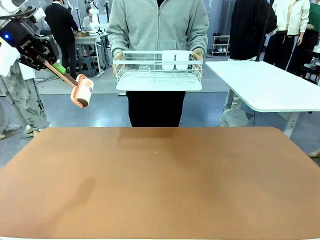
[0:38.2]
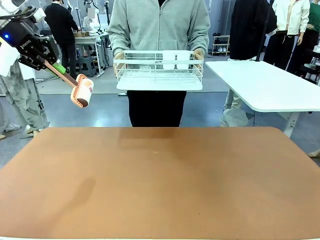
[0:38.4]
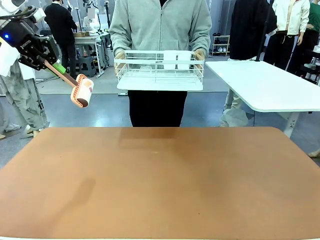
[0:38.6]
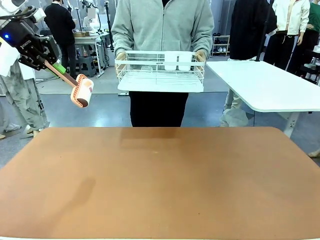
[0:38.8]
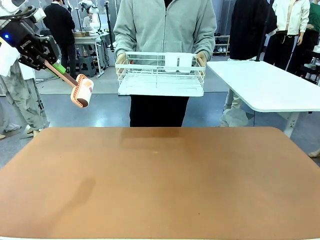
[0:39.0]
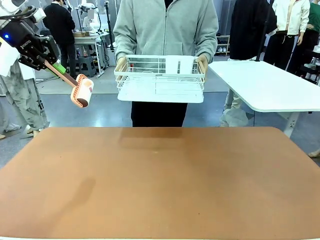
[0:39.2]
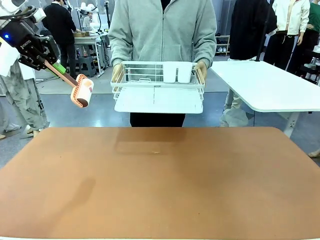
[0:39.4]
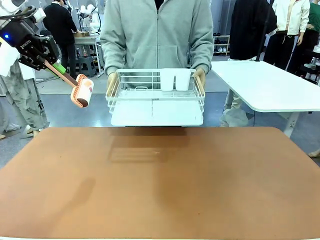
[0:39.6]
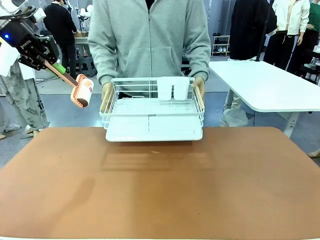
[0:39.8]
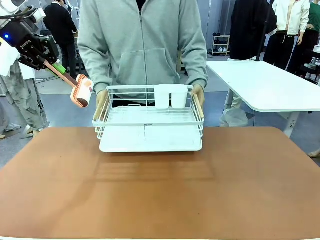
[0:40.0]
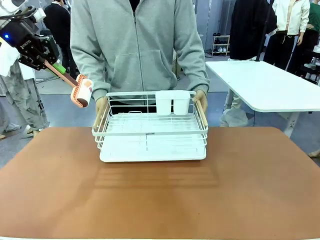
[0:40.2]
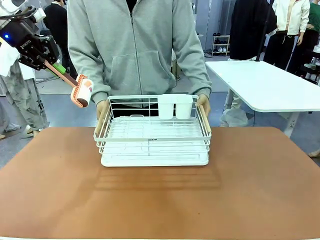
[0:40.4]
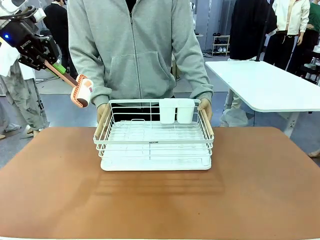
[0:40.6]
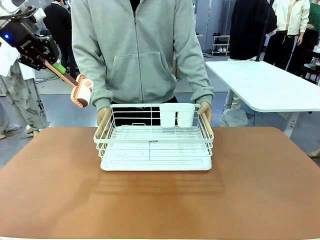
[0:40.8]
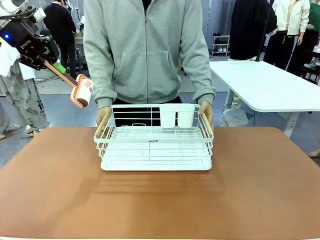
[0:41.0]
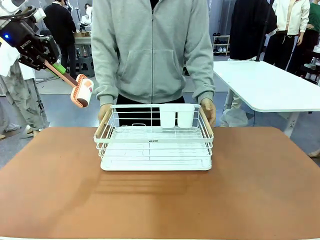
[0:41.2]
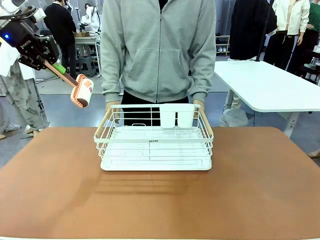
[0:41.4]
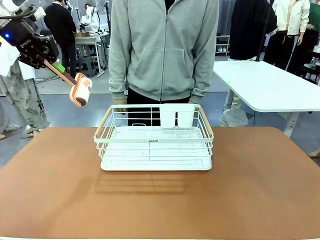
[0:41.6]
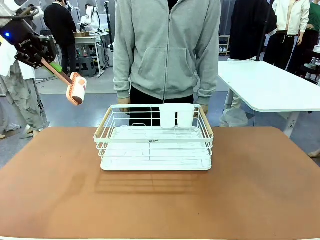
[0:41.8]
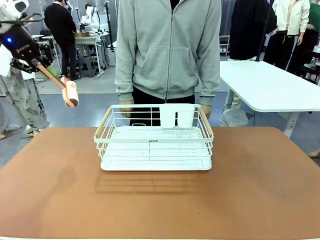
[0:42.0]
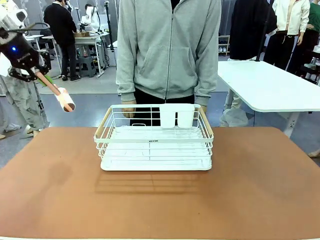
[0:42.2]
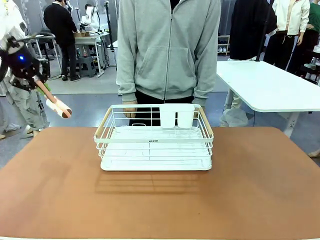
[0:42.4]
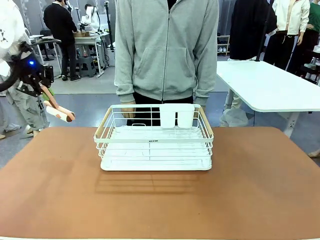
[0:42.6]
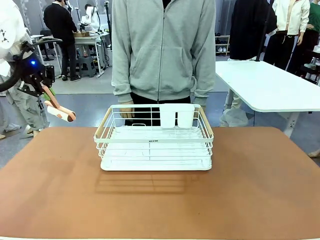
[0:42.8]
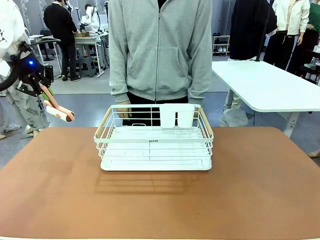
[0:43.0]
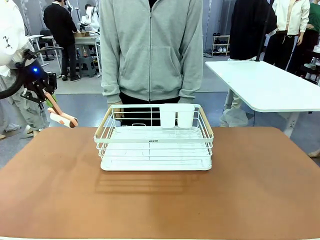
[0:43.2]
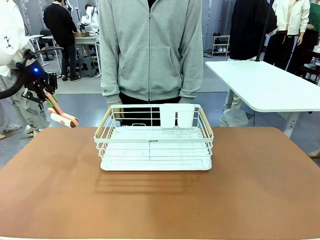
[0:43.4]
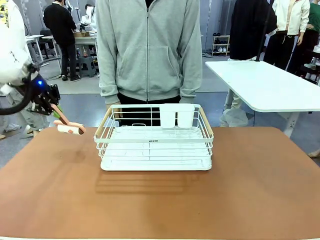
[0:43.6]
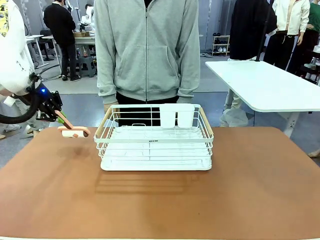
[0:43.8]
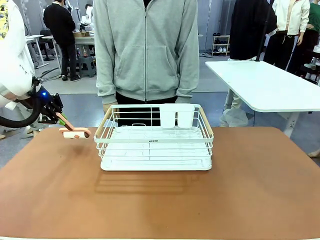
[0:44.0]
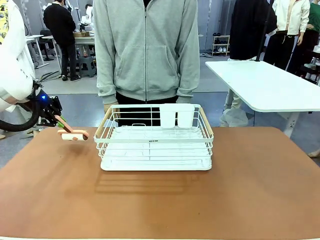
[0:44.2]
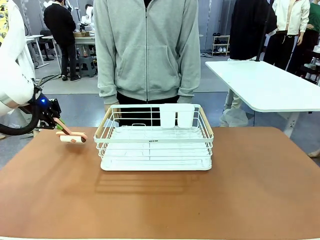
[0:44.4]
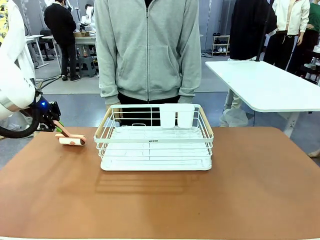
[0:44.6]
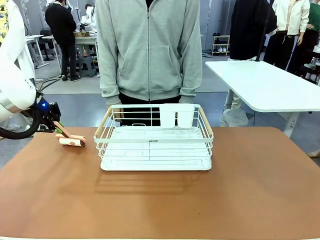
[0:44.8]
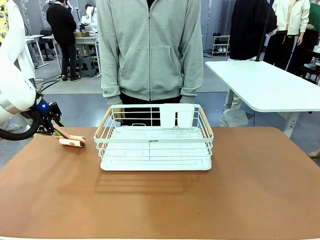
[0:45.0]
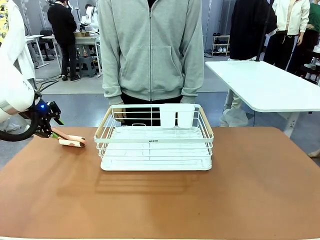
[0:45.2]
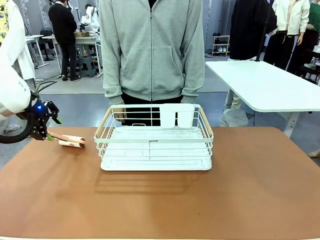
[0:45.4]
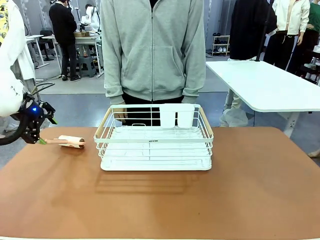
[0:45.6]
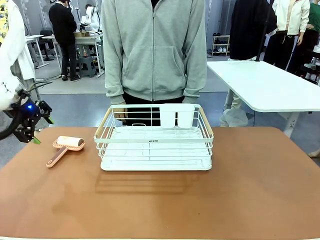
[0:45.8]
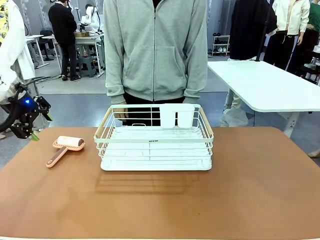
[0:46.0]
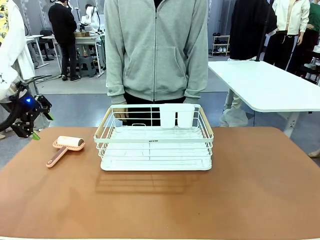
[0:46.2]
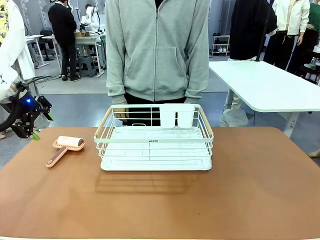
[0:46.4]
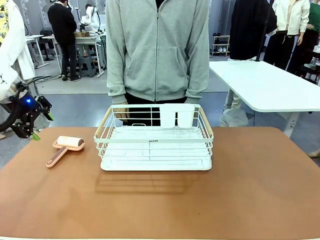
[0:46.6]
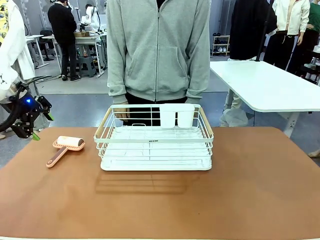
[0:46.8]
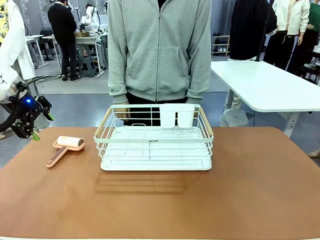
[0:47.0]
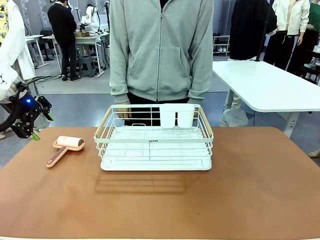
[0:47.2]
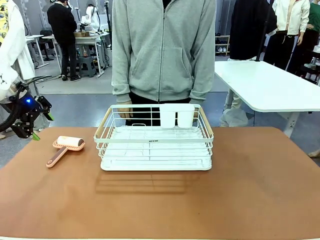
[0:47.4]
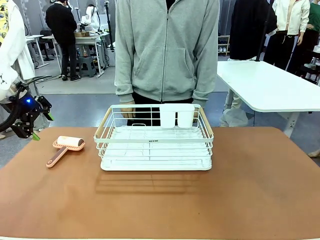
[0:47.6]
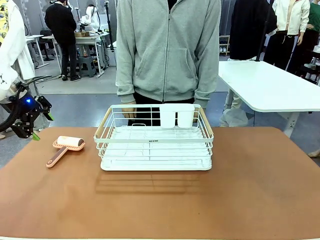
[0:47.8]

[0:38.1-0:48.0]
Task: Clean the table.
Robot: Place the Lint Roller down when the Dish drying rack is positioned in the middle of the table.

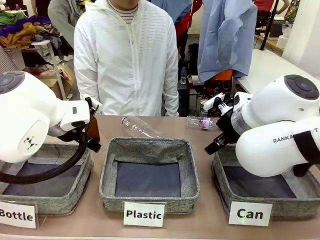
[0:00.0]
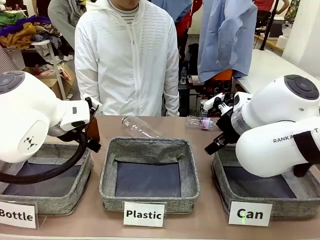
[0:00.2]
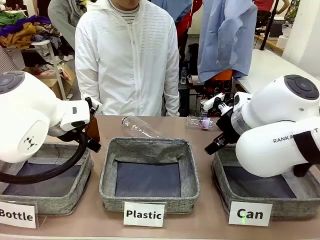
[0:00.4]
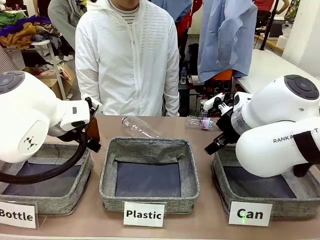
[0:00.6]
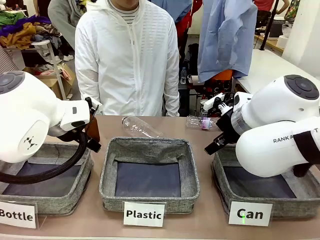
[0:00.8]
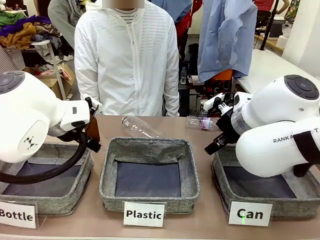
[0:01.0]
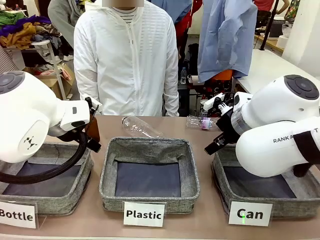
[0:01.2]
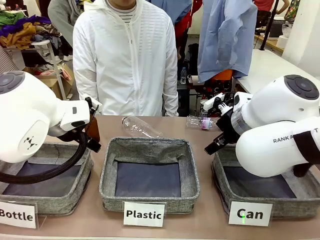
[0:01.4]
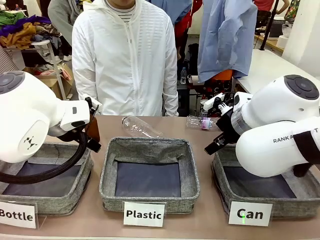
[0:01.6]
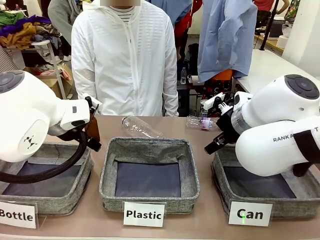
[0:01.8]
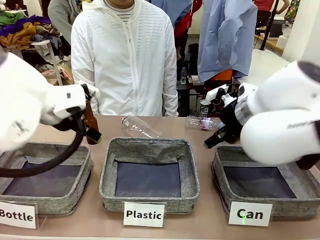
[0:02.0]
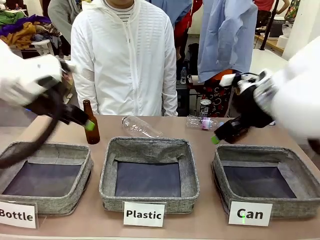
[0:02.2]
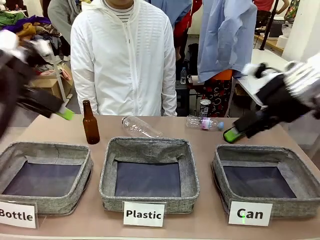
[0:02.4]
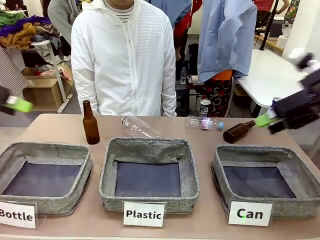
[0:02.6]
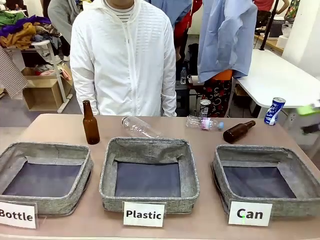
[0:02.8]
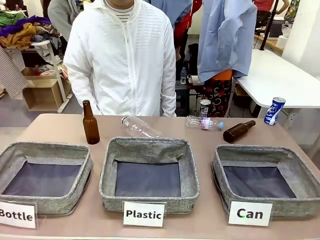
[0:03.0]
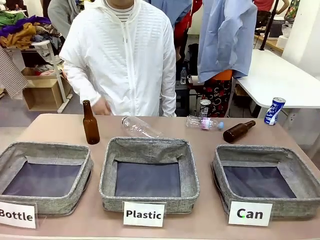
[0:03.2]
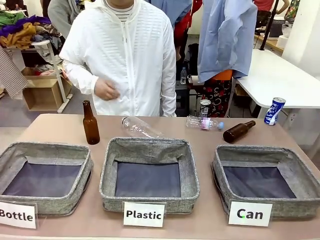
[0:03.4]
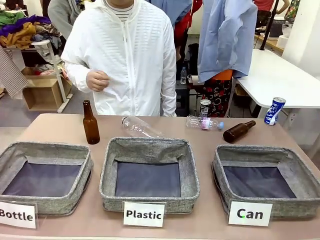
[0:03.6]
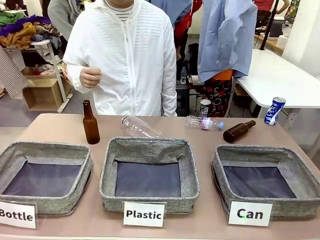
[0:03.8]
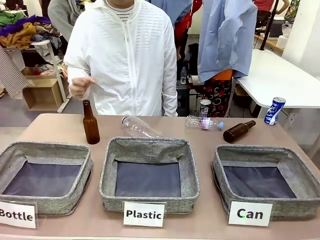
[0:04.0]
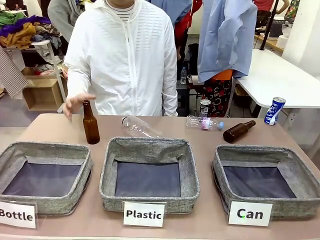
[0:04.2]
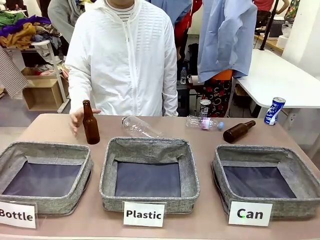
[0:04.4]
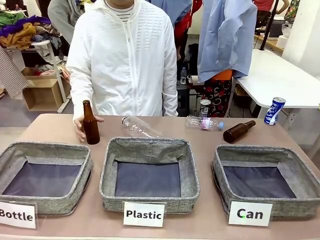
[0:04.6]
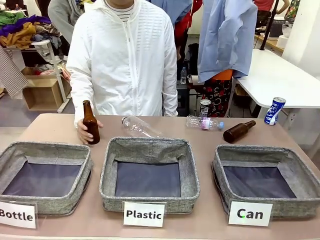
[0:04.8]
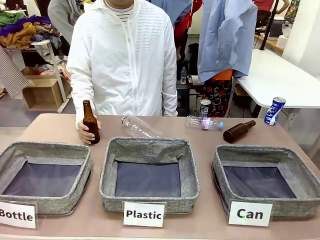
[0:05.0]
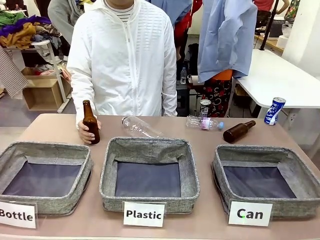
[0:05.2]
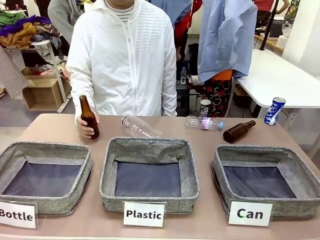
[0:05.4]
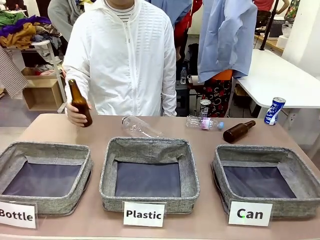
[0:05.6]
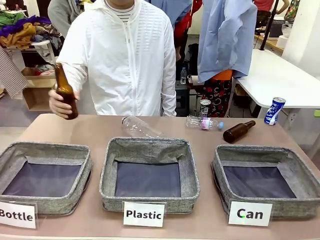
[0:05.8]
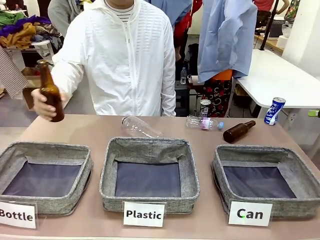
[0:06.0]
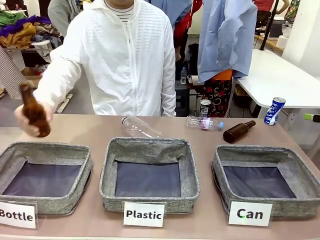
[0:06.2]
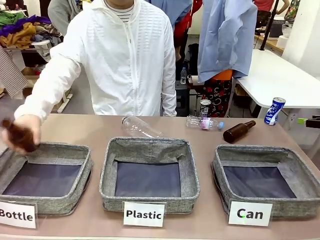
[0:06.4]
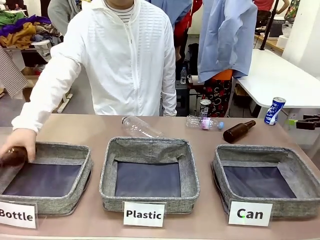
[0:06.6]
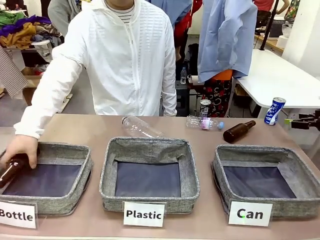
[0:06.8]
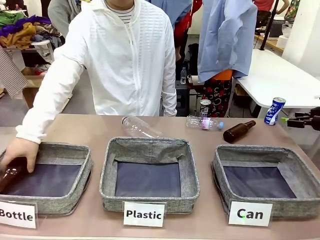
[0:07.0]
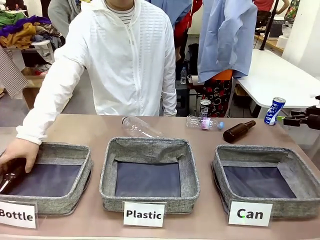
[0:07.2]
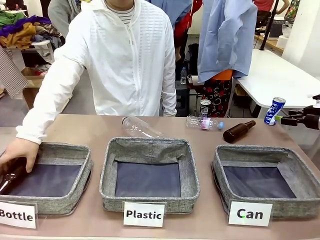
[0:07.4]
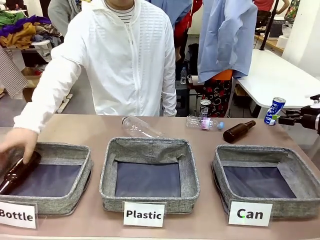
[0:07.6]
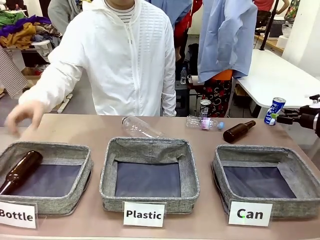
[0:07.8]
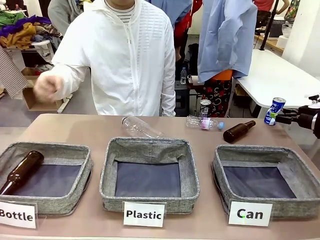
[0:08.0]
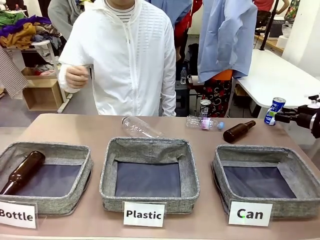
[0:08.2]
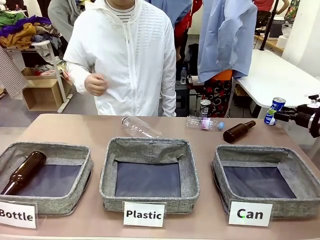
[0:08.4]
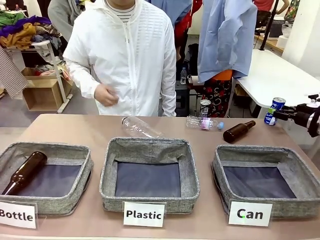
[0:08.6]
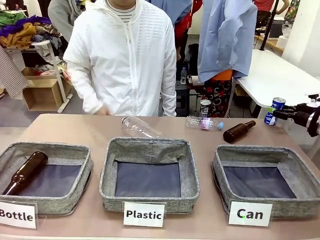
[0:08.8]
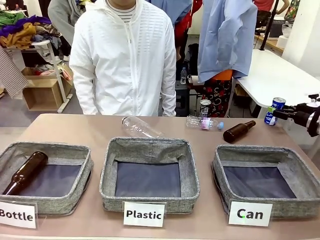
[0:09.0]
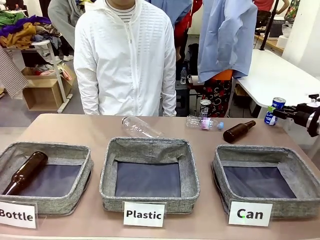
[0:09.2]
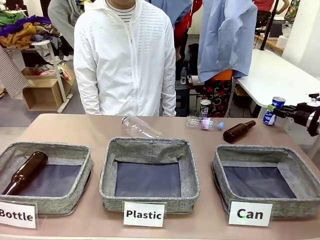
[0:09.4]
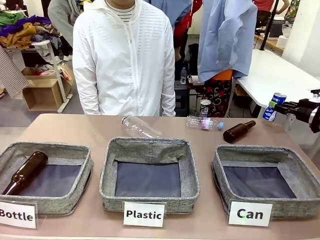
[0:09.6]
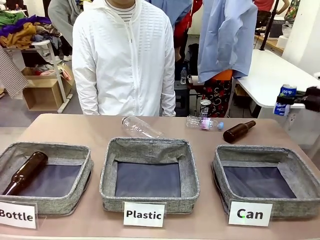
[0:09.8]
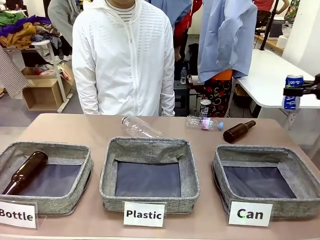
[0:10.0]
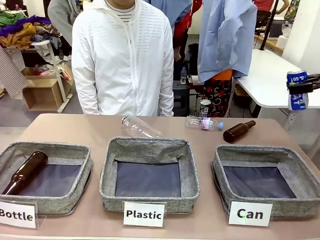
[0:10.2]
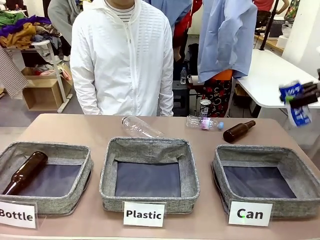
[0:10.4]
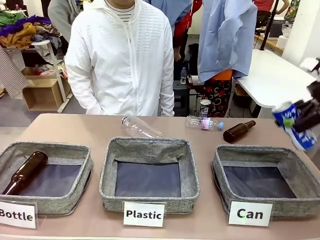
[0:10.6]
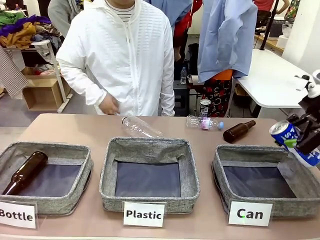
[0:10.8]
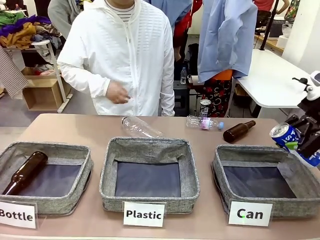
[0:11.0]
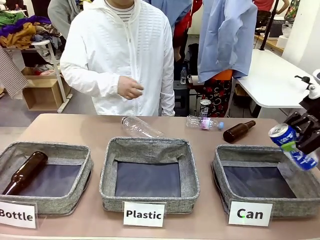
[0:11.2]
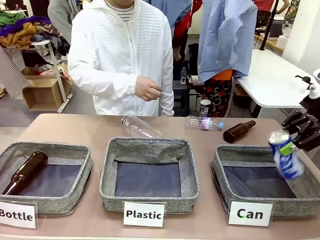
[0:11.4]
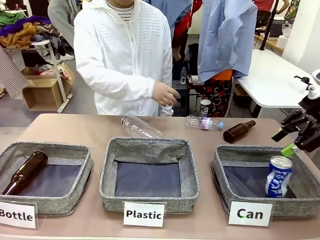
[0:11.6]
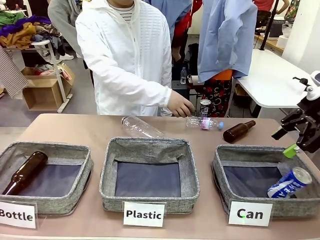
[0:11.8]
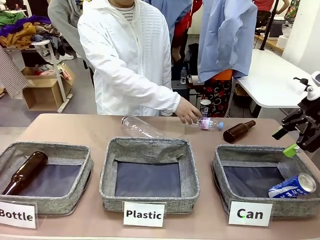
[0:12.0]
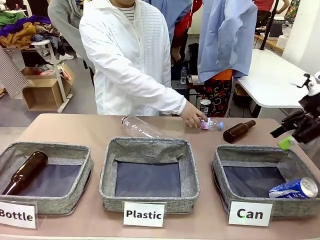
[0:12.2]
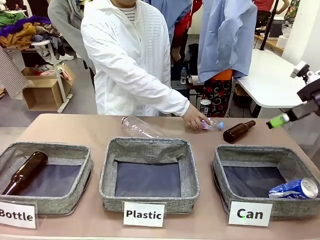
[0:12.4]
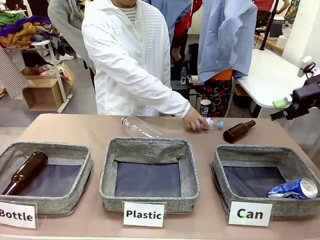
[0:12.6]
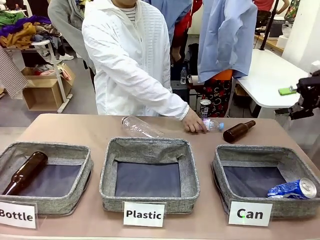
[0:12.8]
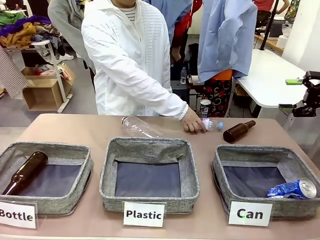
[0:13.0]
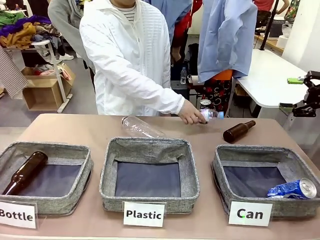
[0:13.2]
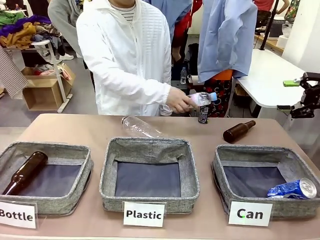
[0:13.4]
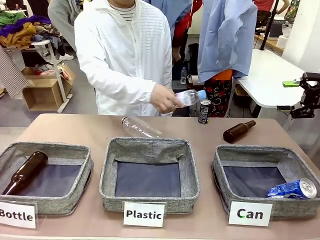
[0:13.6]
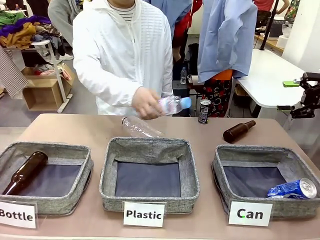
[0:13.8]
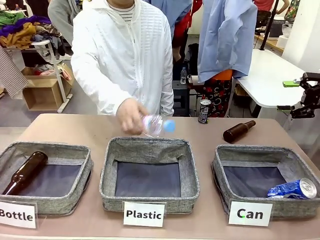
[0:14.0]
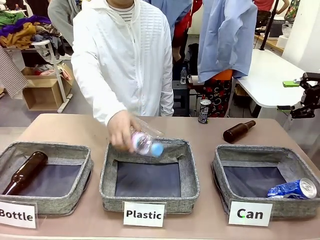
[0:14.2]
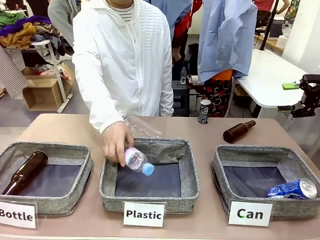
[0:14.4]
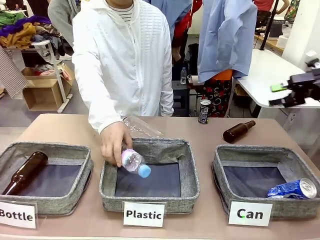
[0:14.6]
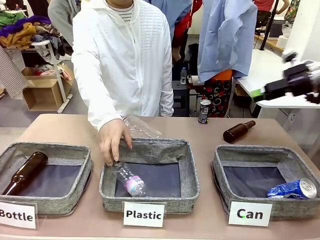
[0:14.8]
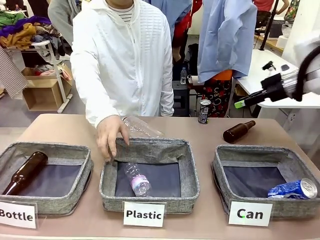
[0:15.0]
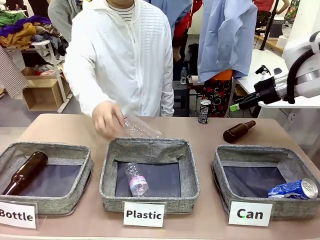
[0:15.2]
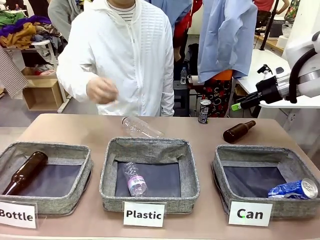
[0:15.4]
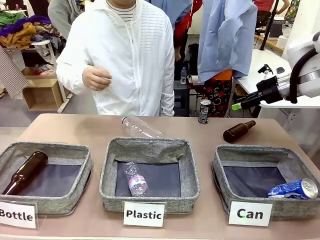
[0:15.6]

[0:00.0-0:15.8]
Task: Sort the can waste into the basket.
Robot: Pick up the can waste from the table and place it in the right Fabric basket.
